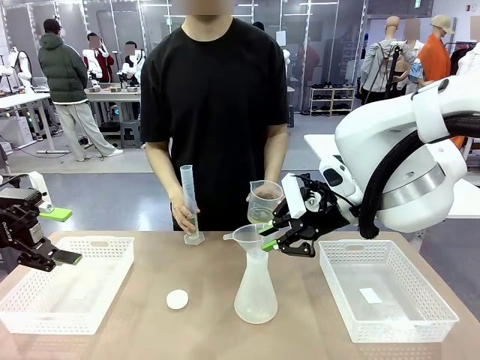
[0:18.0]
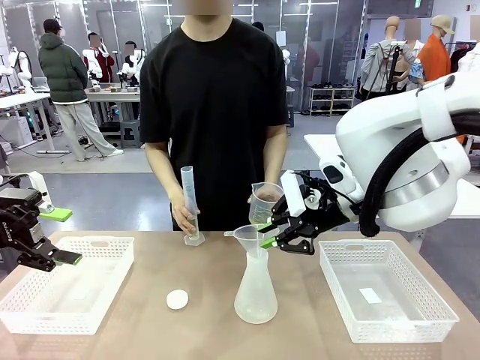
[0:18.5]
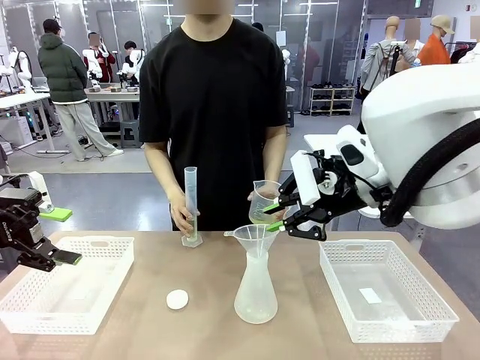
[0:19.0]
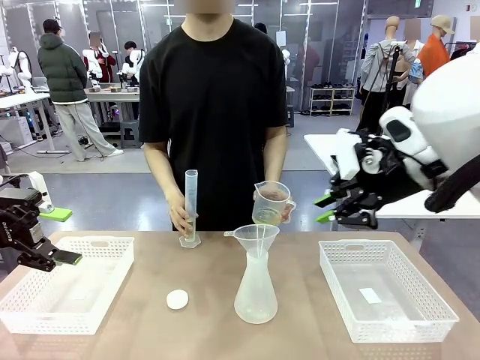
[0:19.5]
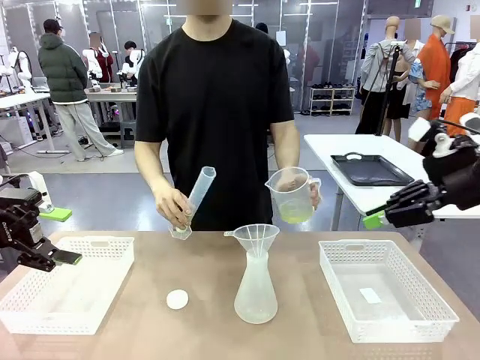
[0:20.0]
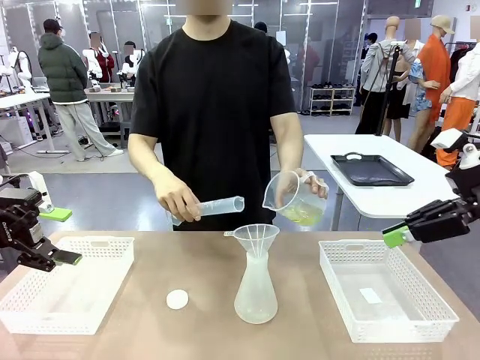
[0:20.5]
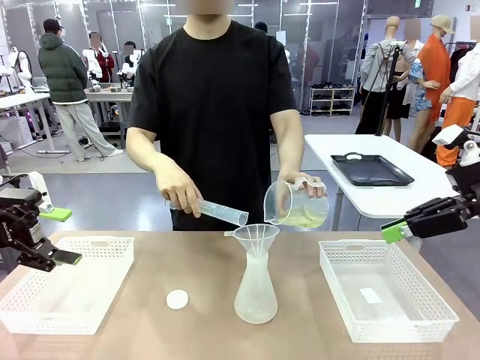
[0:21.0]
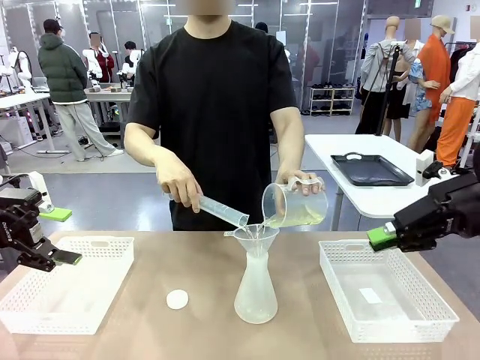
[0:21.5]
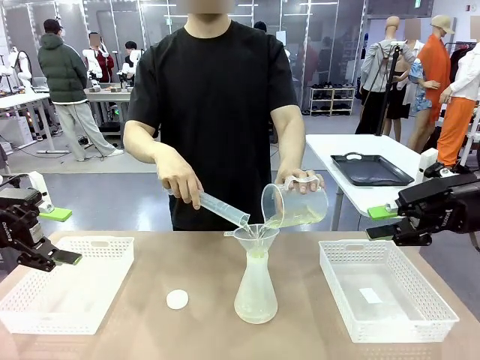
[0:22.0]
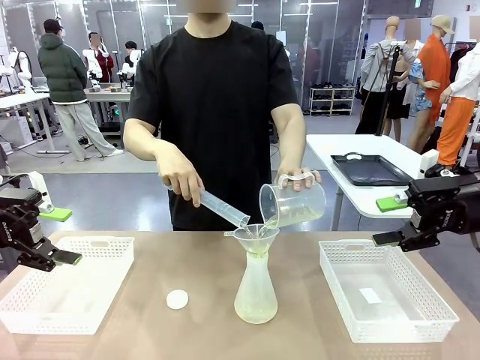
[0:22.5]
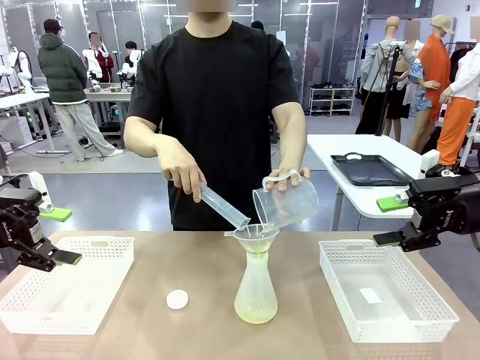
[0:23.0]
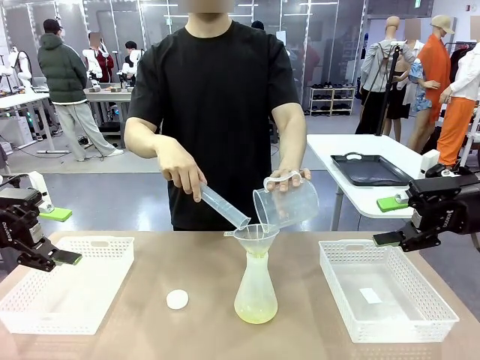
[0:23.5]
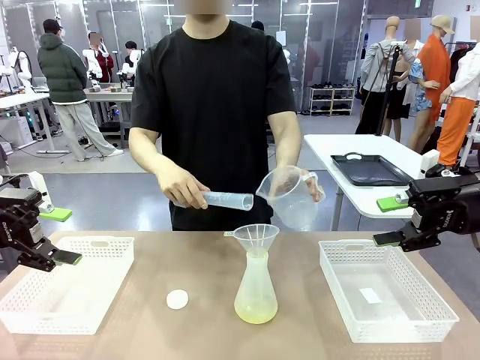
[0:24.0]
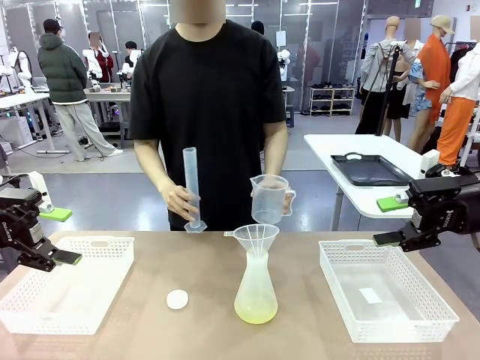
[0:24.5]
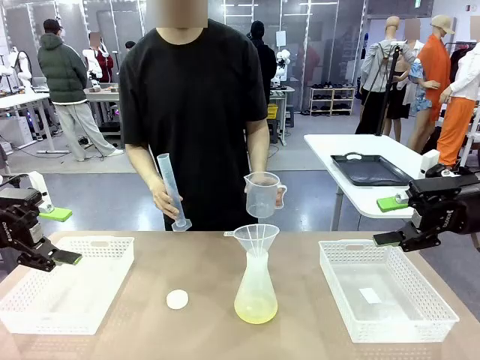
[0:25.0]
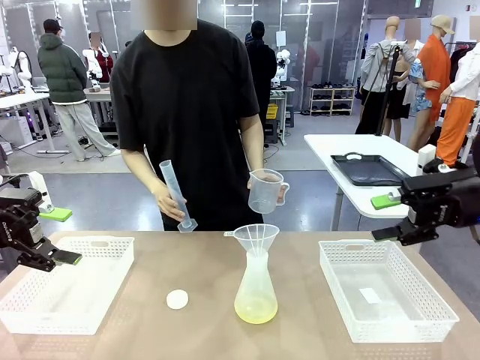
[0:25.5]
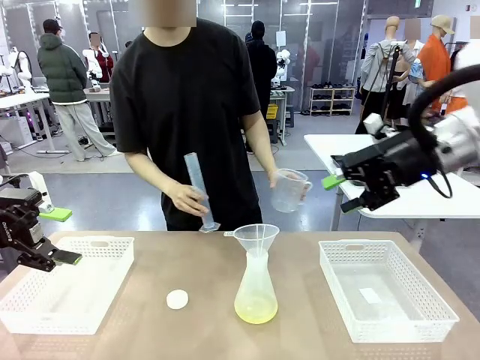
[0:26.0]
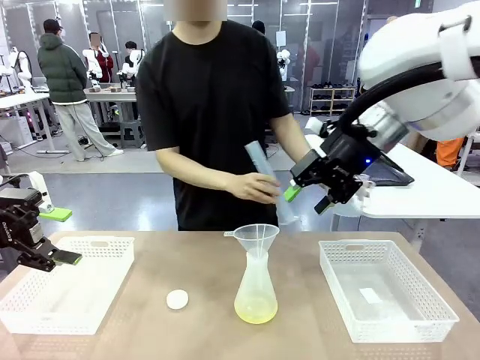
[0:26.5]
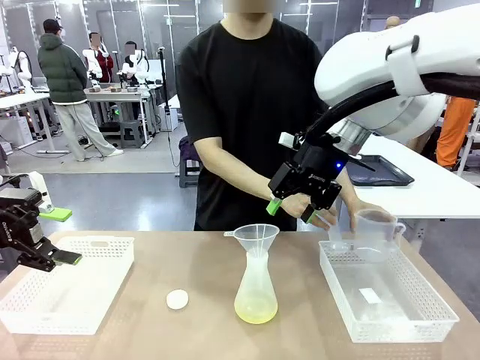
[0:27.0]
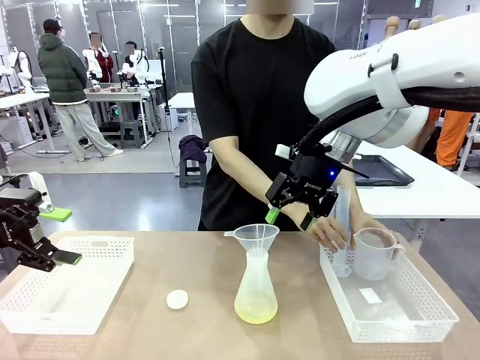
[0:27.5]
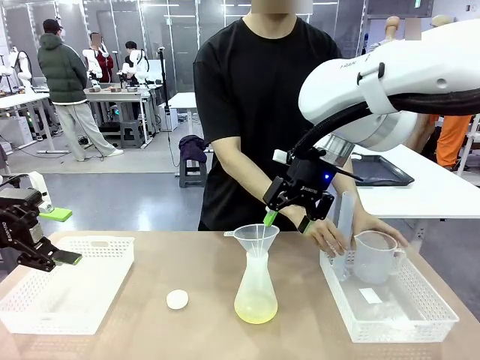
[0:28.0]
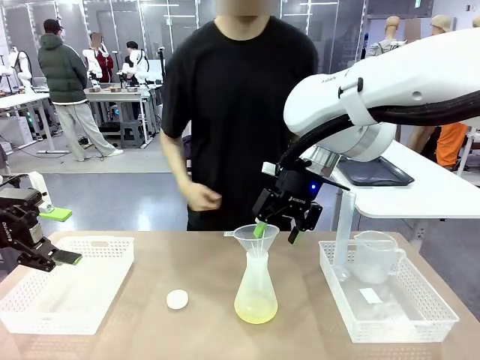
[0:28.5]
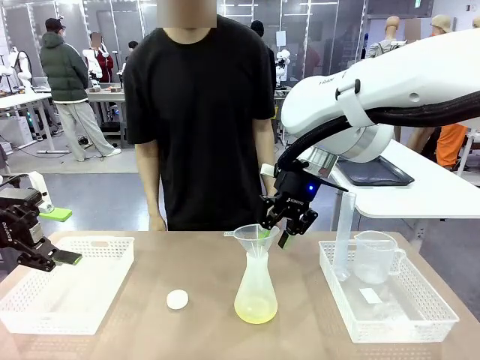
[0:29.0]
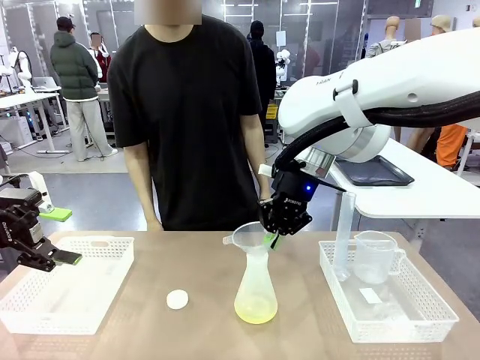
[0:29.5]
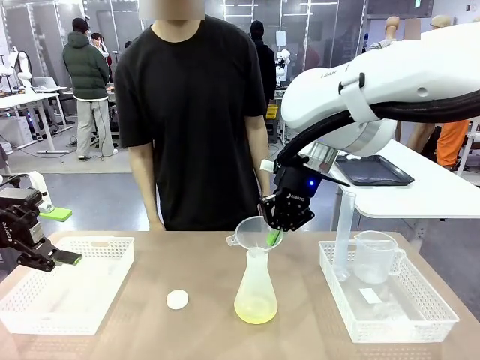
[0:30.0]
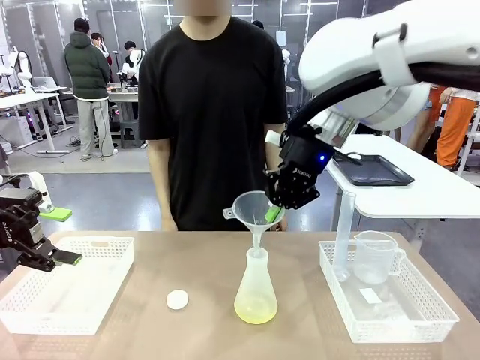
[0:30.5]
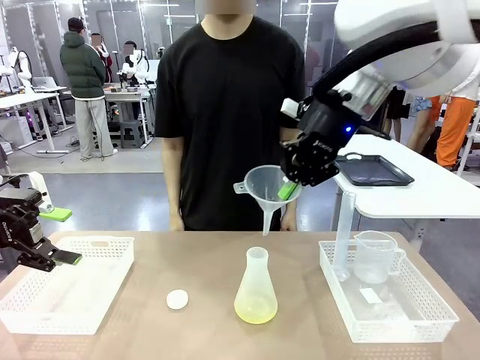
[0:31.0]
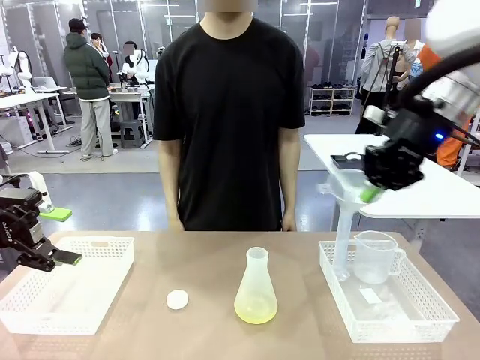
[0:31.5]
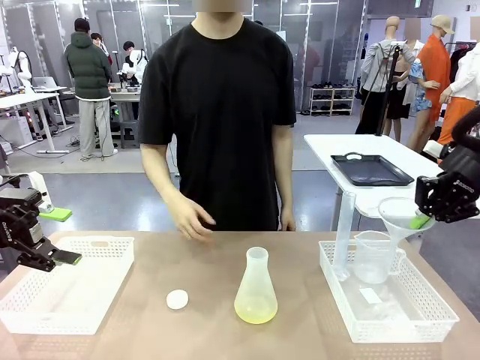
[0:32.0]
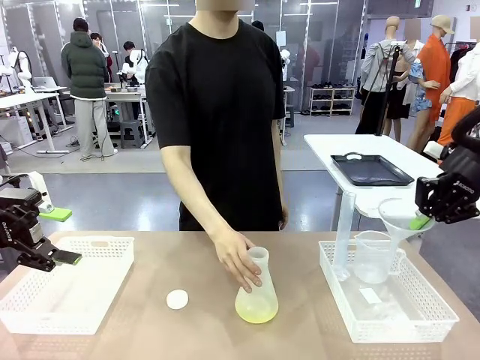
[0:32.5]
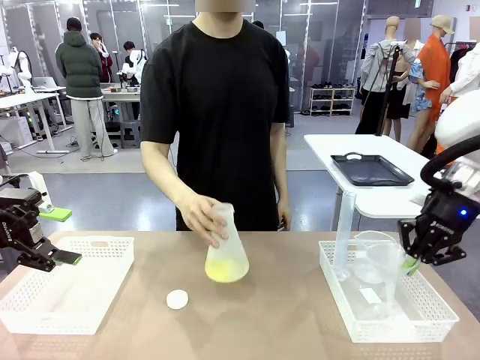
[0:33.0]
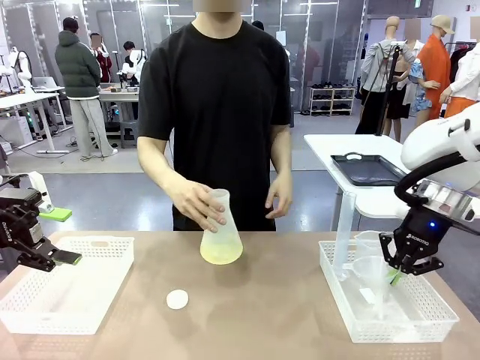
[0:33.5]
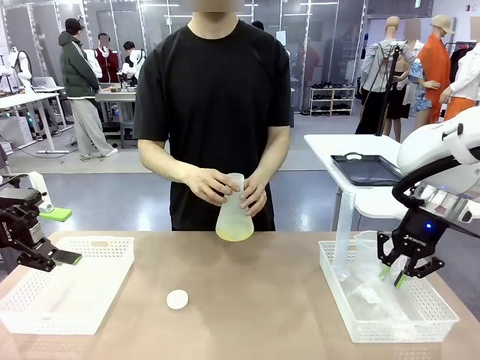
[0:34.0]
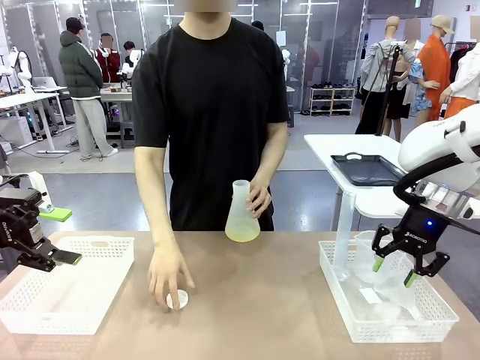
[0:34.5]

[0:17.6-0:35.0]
Task: Prepare the solutions needed for the experiment.
Robot: Once the solution is in the Big flask , pick up the Plastic Funnel and place it back into the right Organizing basket.
Person: Pour the solution from the beaker and the cylinder into the flask. Place the beaker and the cylinder into the organizing basket on the left side. Pick up the flask, gently shake it 2–3 times, place it in the middle of the robot table, and close the lid.

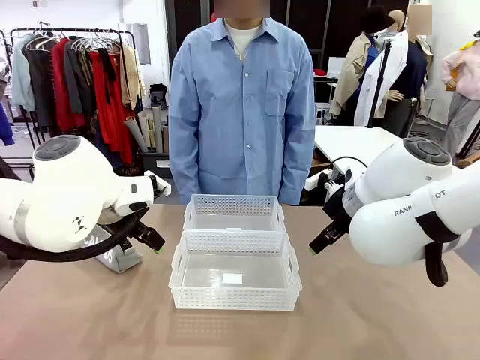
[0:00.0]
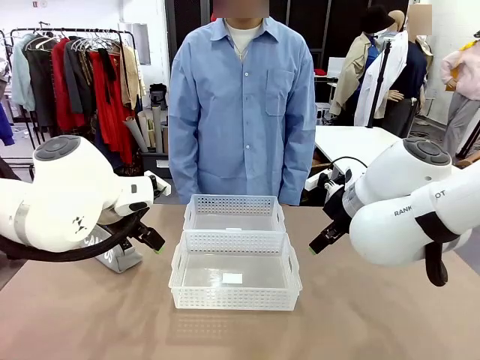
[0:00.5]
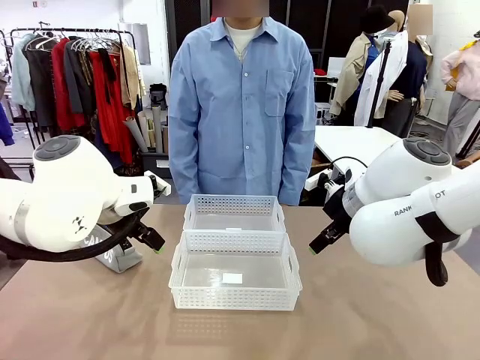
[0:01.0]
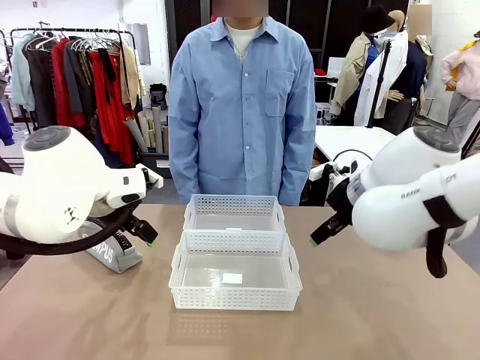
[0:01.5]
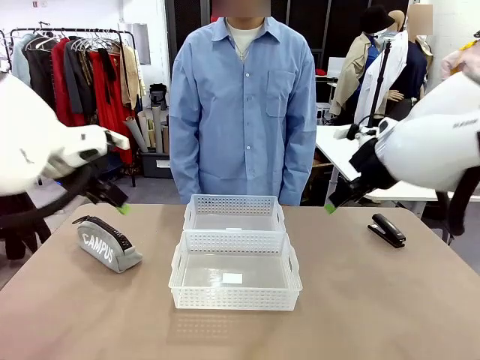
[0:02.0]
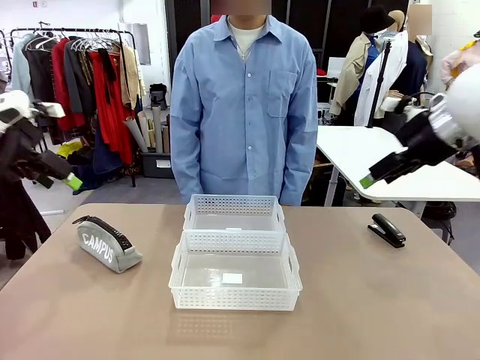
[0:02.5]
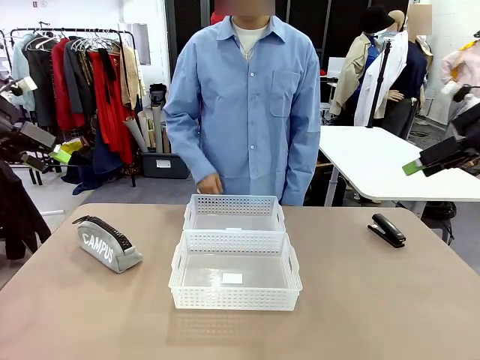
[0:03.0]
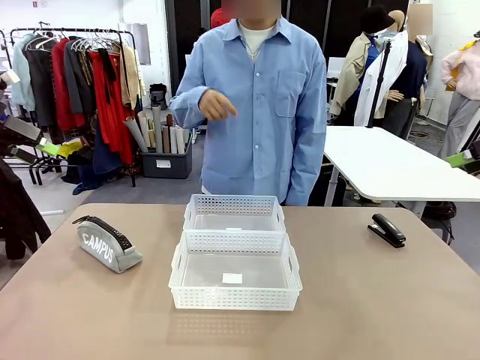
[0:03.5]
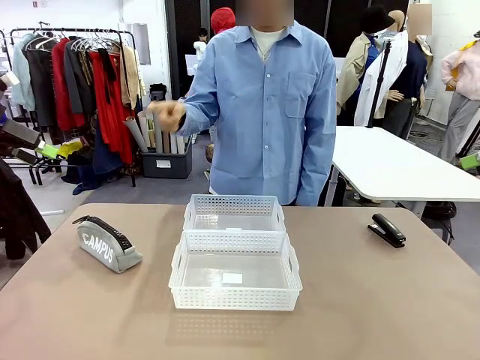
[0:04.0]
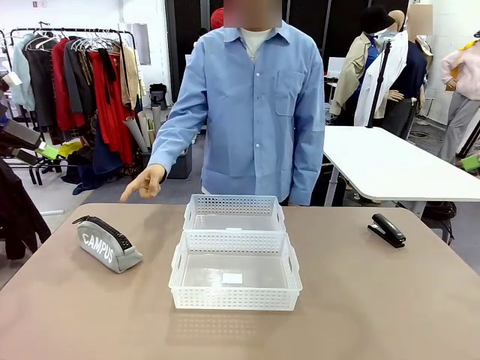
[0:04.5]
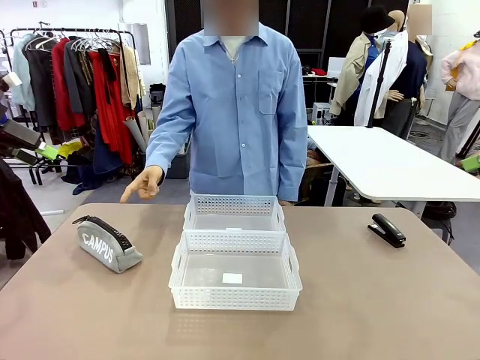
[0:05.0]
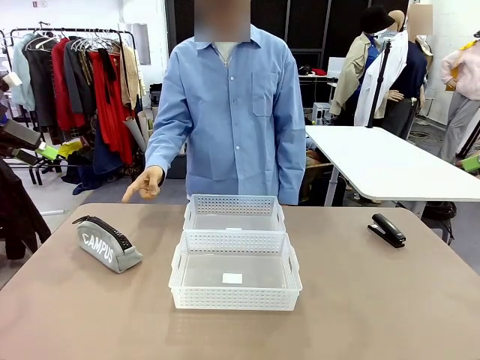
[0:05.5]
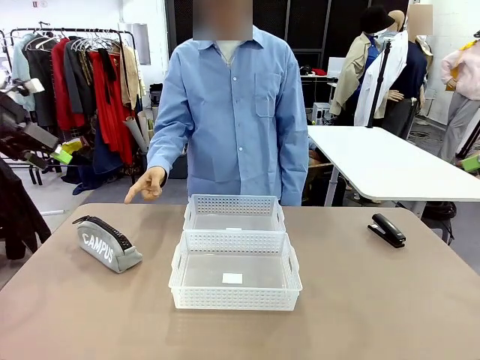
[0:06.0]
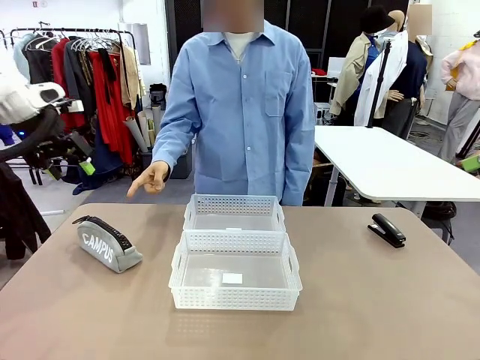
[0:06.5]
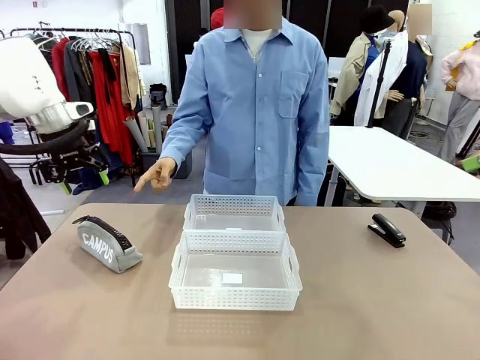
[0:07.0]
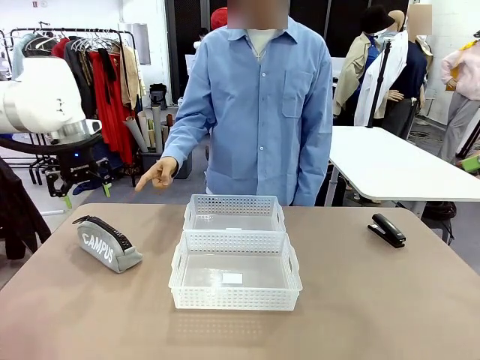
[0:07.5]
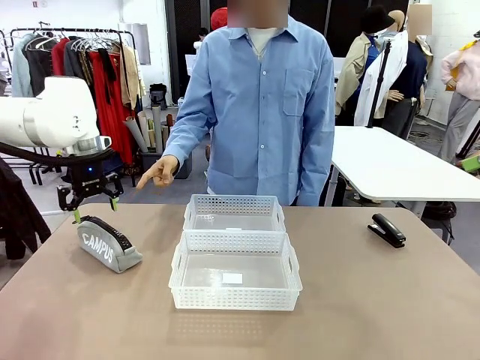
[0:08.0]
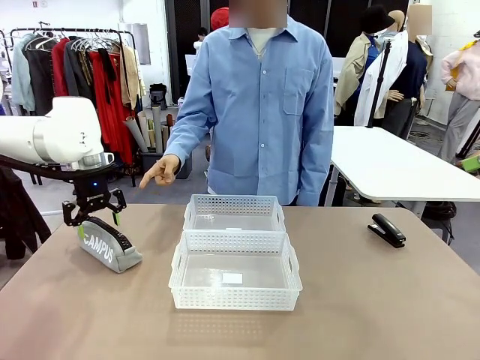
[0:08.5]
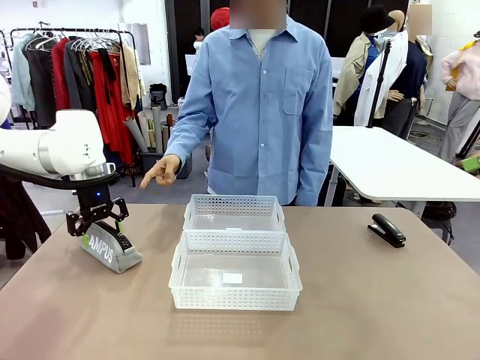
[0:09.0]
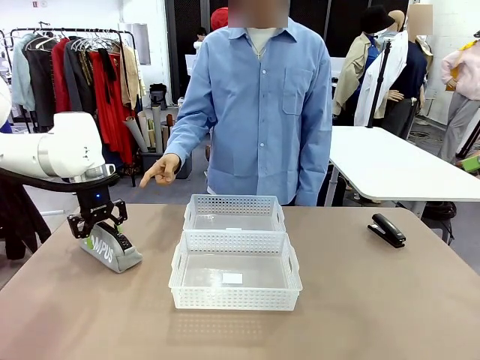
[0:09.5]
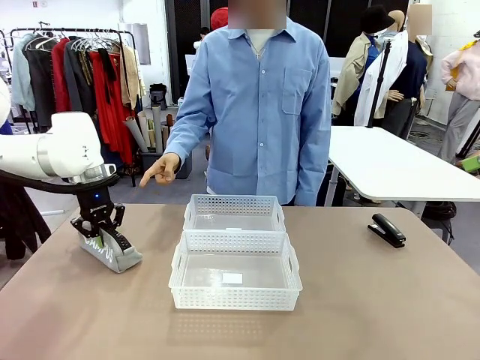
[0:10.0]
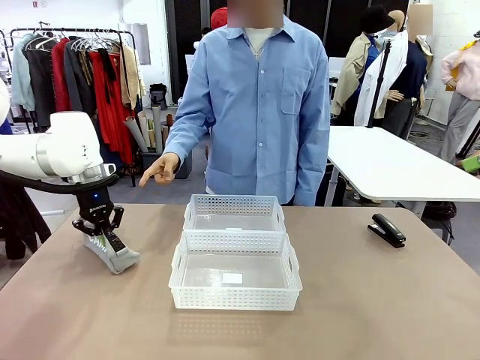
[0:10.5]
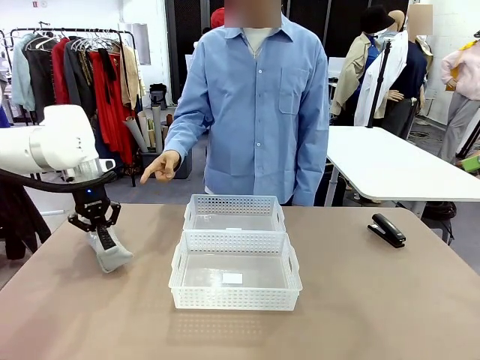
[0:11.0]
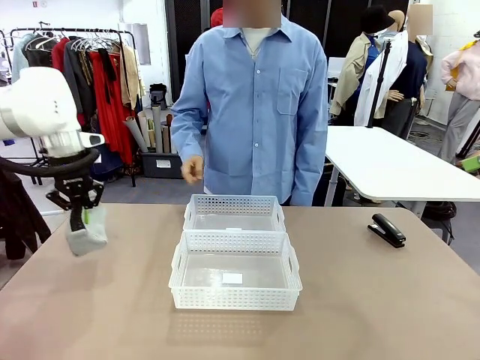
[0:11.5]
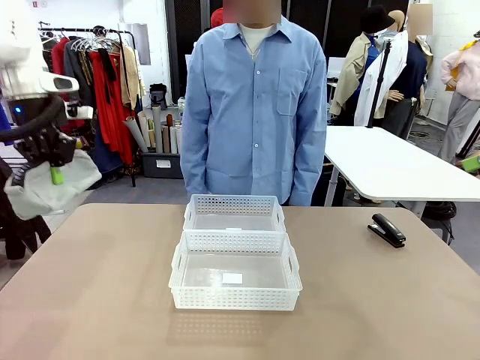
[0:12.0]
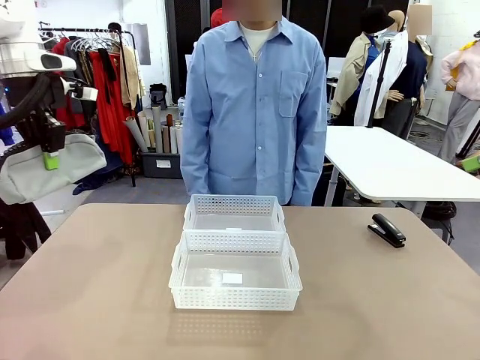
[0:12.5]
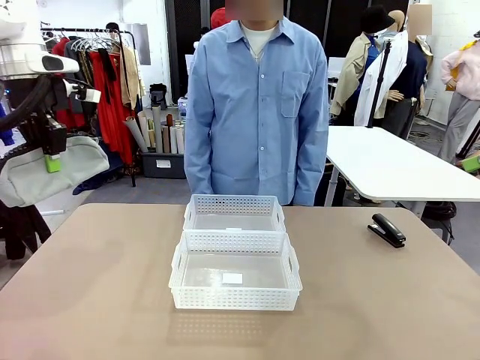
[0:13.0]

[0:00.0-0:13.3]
Task: Distribute items into two baskets.
Robot: Pick up the Pencil pouch that the person points to.
Person: Points to the pencil case. Points between the two organizing baskets and instructs the robot to move the pencil case.
